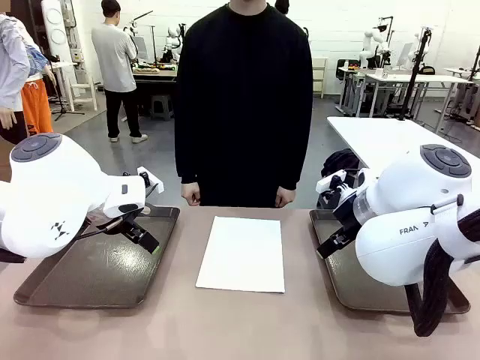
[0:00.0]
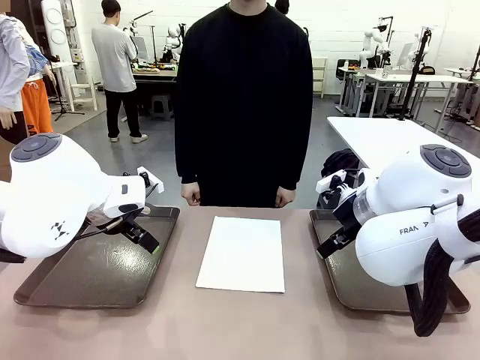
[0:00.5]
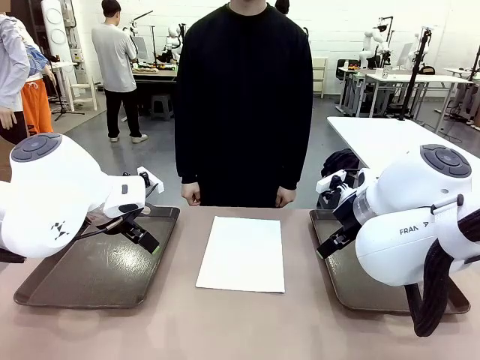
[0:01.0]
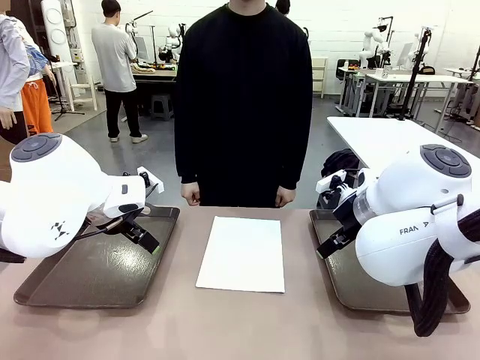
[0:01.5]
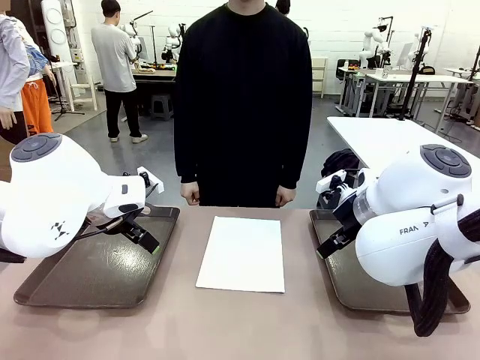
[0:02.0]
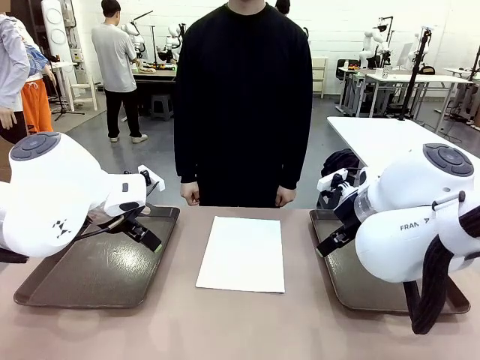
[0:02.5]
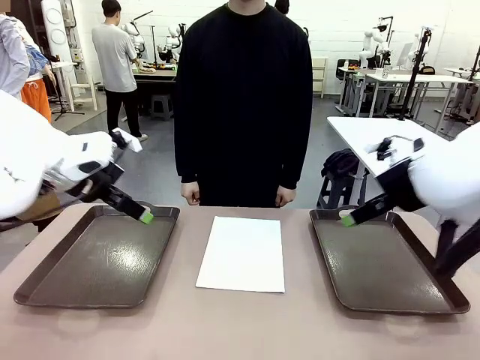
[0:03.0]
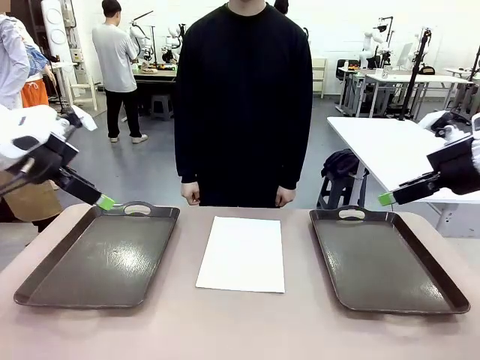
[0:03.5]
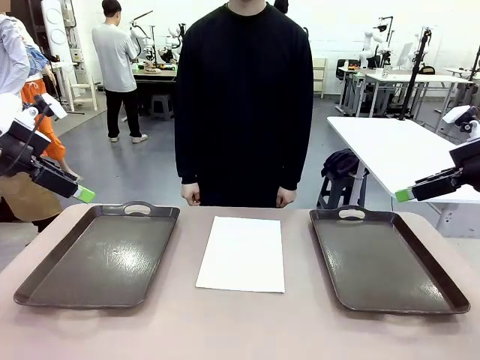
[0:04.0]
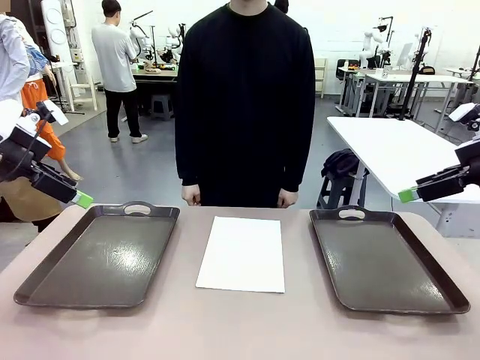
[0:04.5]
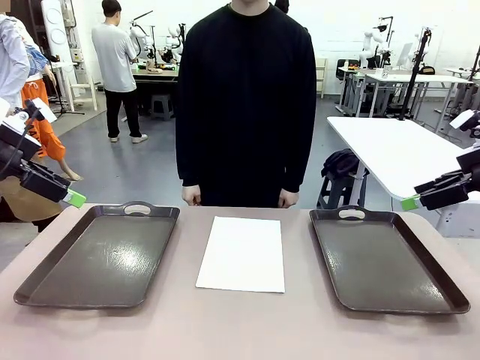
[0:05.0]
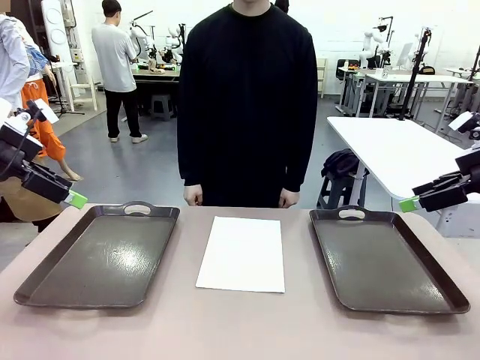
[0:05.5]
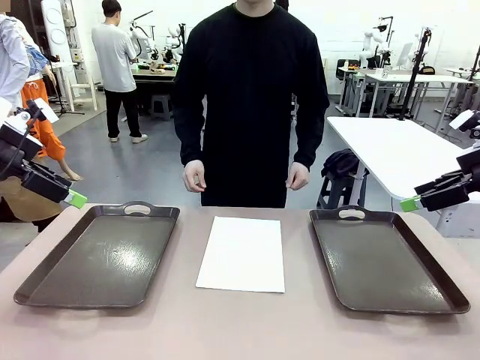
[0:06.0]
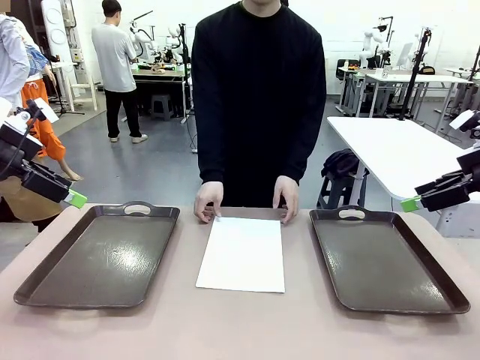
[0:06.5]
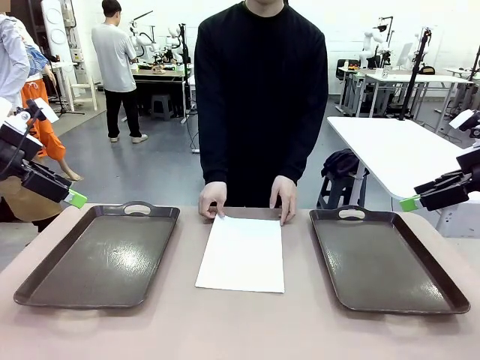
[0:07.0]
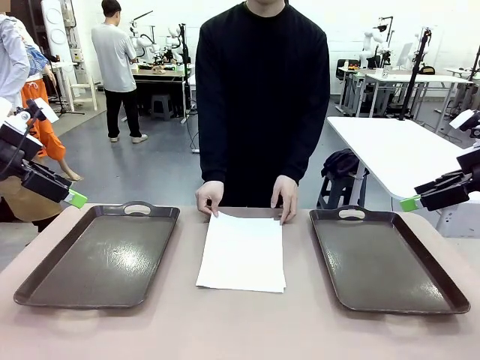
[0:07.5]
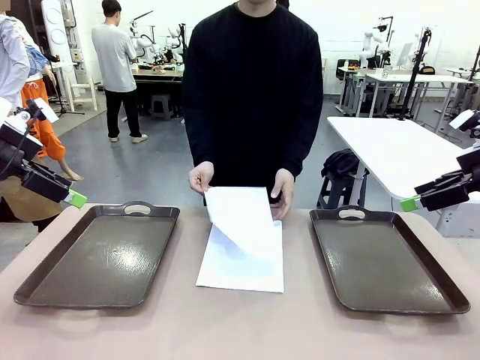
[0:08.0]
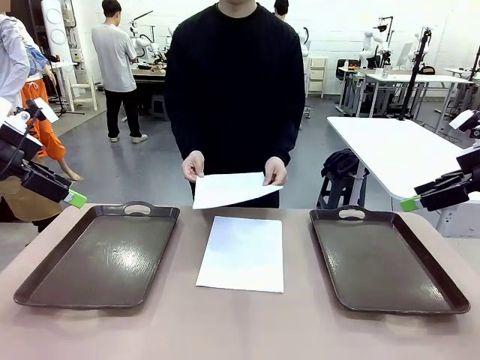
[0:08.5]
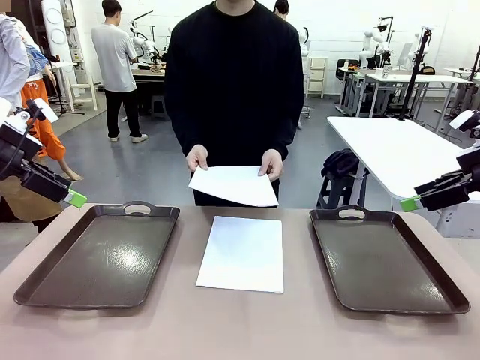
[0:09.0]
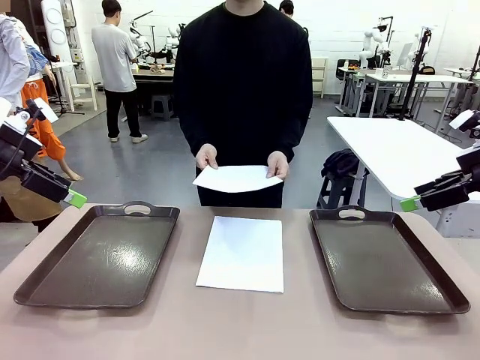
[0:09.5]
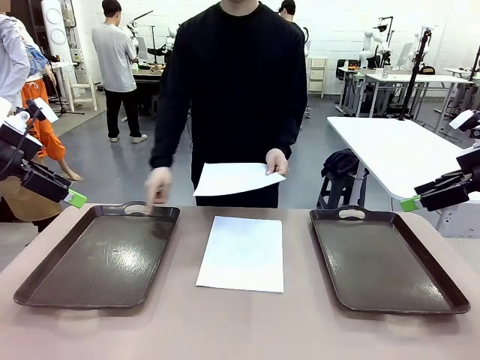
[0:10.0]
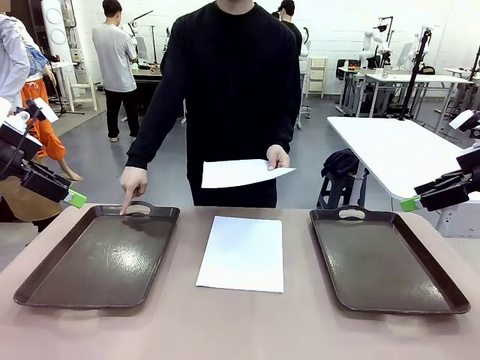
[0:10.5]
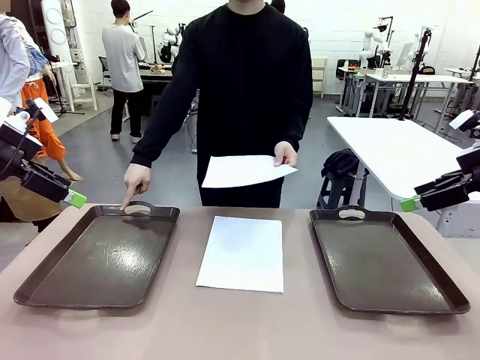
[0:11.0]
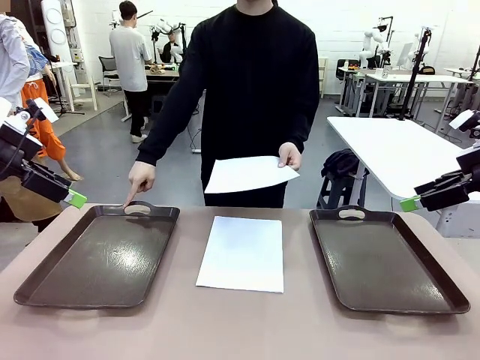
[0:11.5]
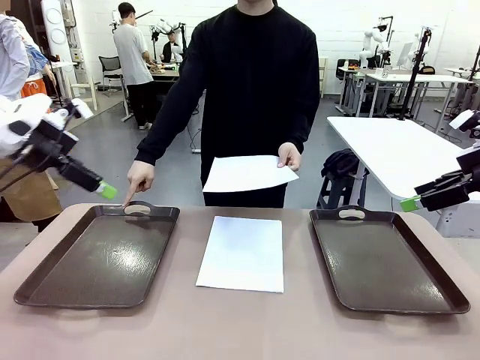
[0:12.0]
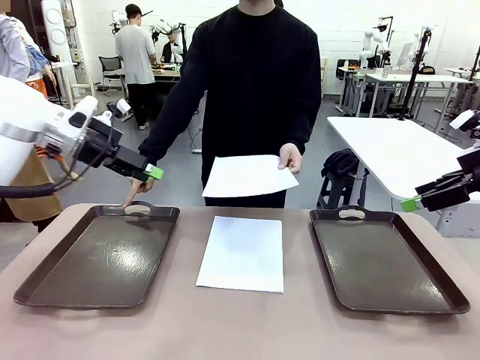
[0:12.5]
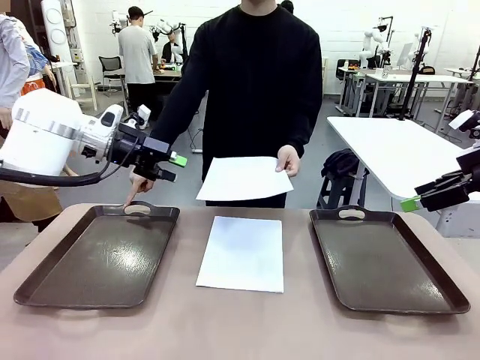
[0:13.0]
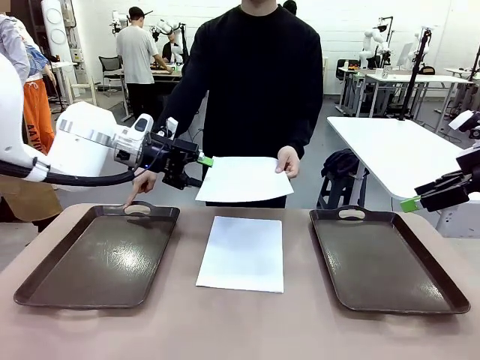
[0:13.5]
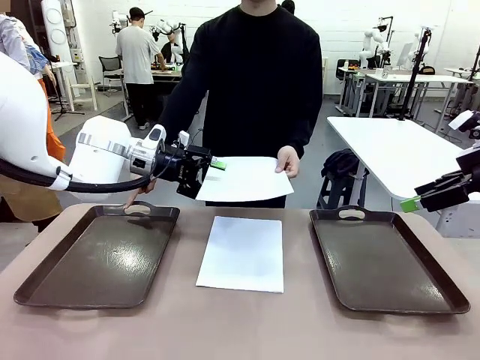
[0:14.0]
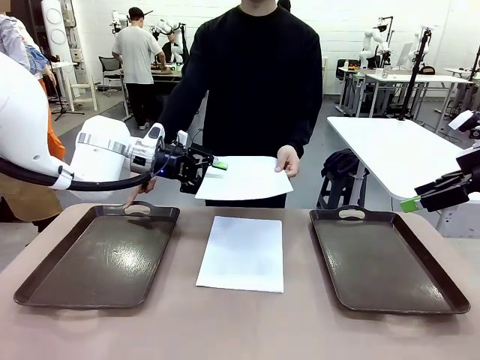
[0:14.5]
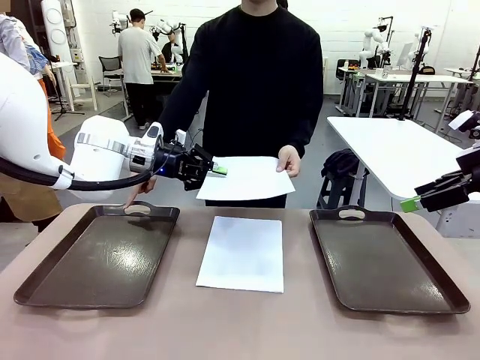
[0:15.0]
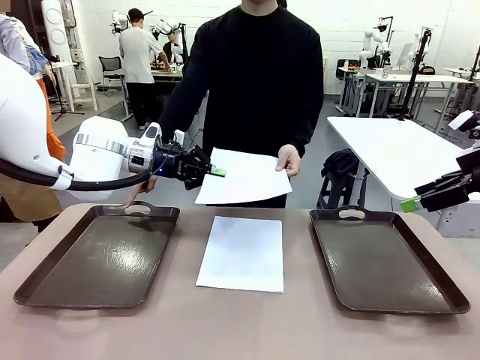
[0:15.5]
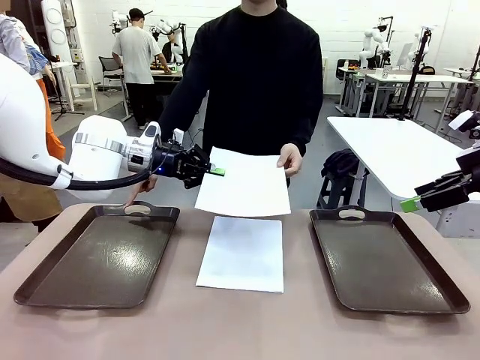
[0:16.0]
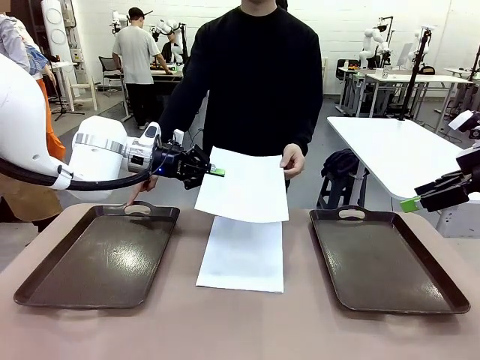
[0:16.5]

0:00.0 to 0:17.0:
Task: Sort the A4 documents.
Robot: Receive the A4 Paper.
Person: Pick up a sheet of paper from the center of the table and hand it to the robot. Point the randomly selected tray with the other hand.

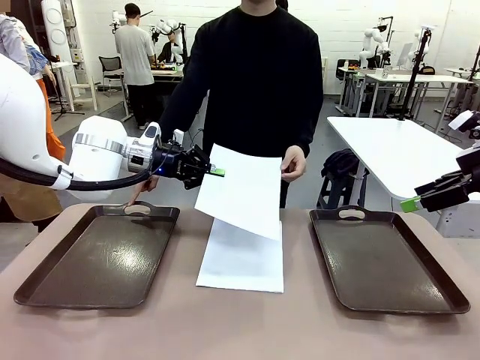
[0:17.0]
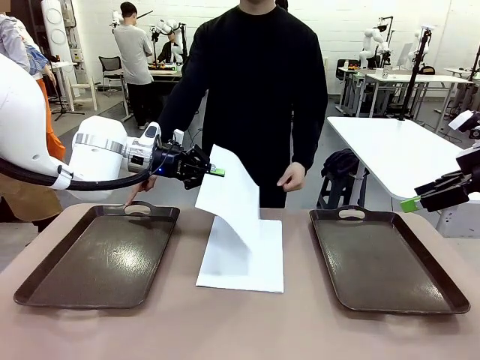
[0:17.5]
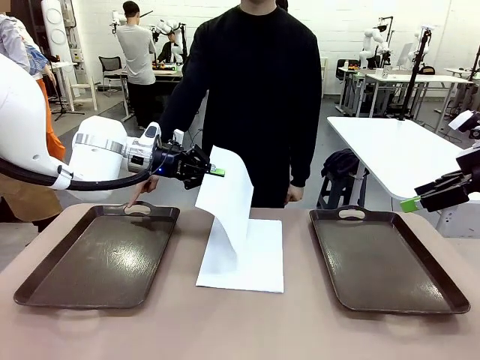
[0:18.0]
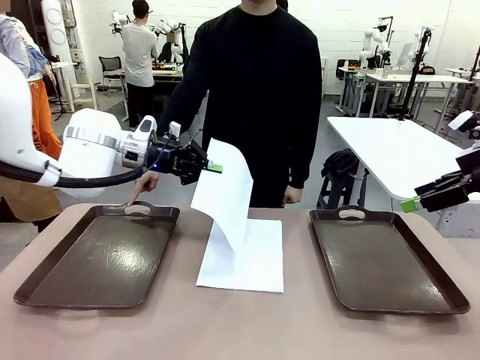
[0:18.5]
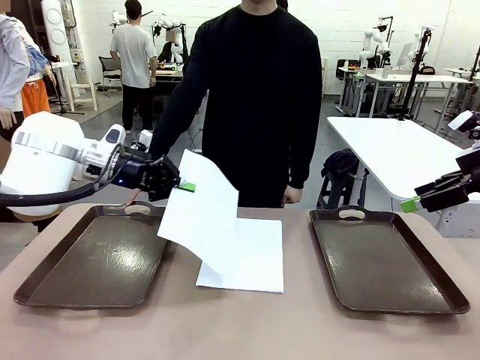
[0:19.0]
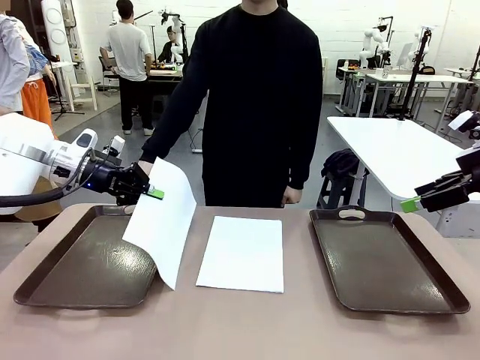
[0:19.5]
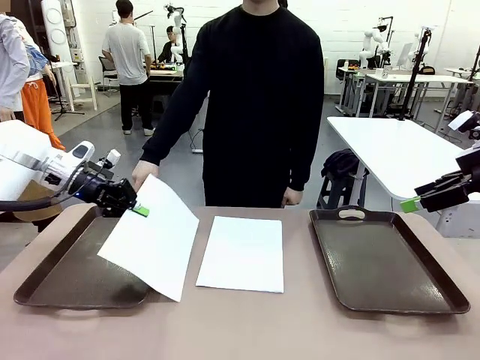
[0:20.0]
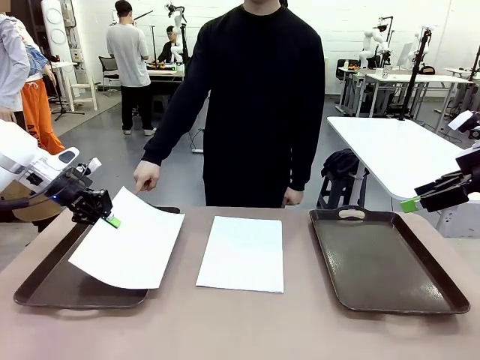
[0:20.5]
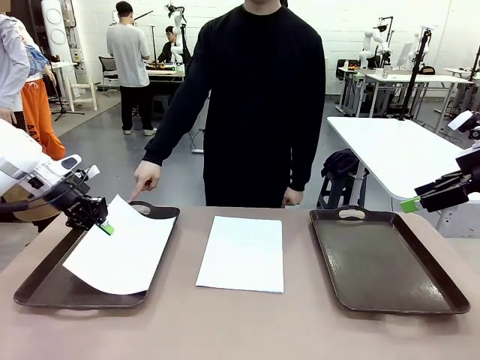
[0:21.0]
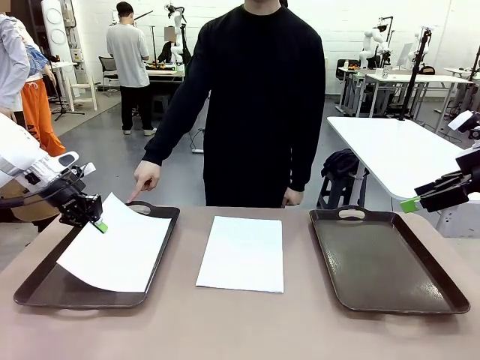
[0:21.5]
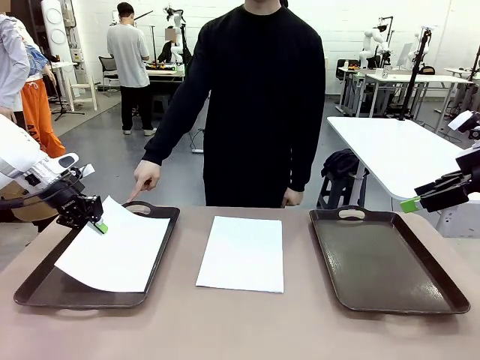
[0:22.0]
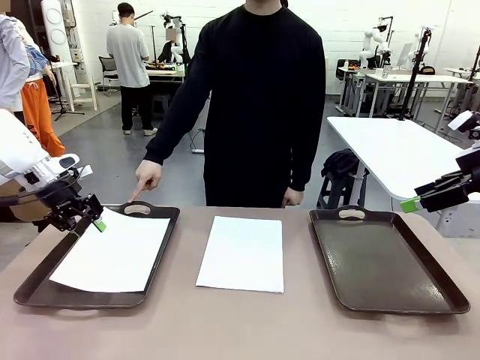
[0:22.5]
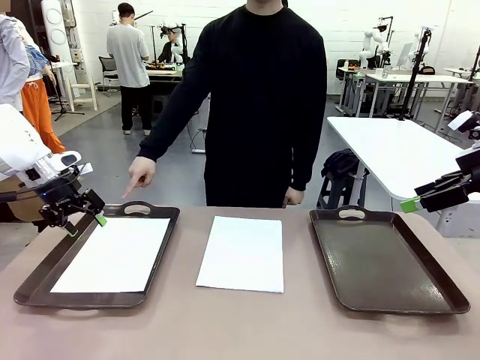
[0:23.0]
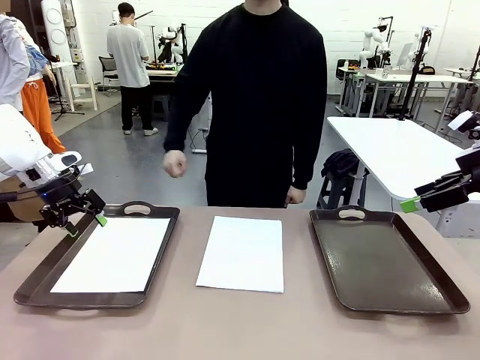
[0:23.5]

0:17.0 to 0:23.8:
Robot: Place the A4 Paper in the designated Handle tray.
